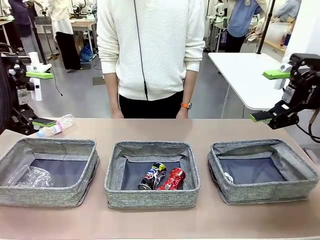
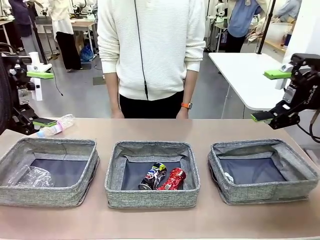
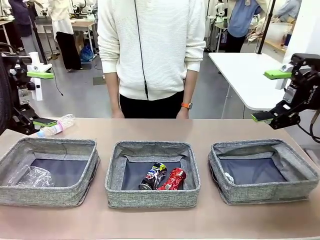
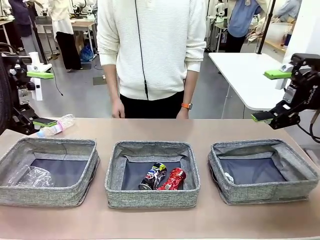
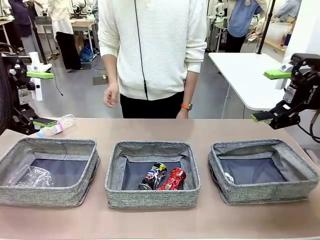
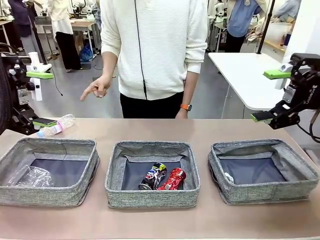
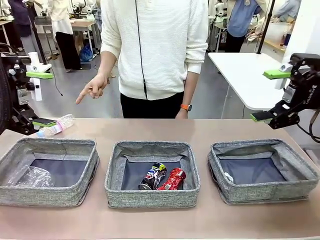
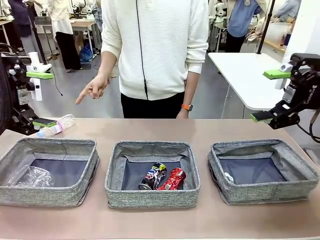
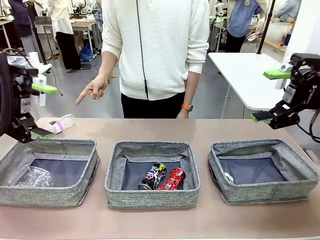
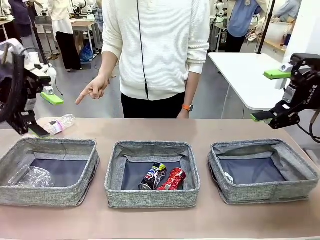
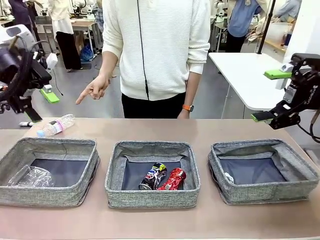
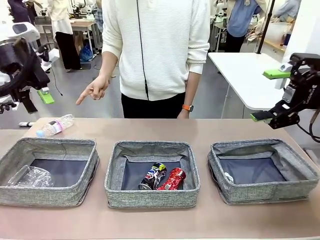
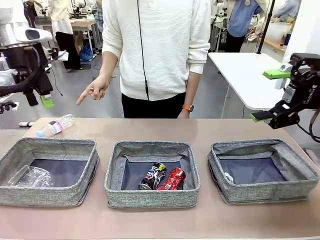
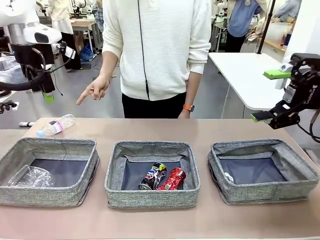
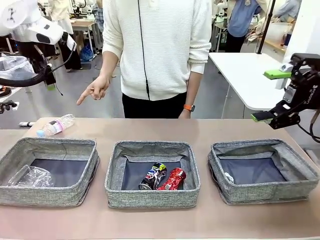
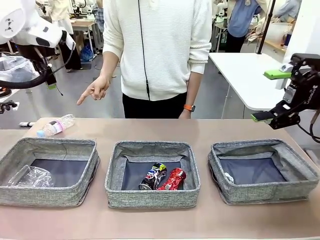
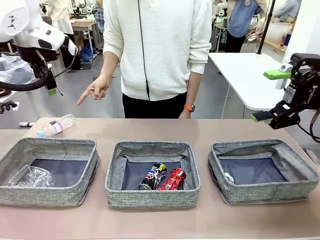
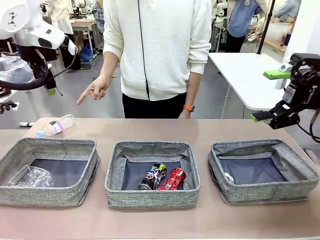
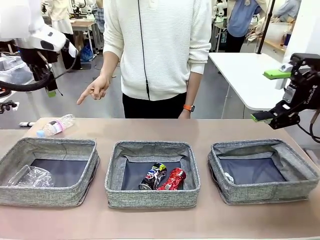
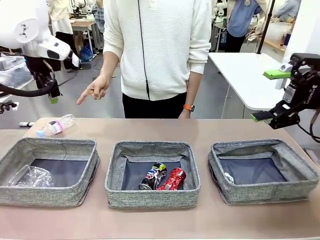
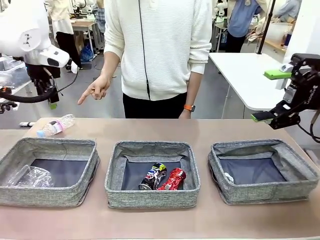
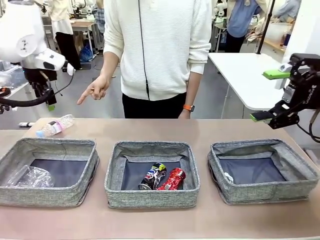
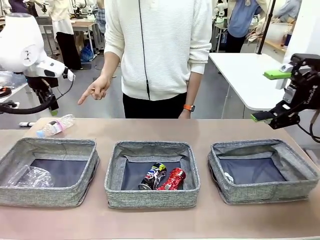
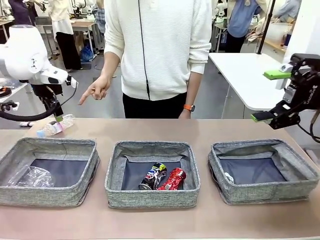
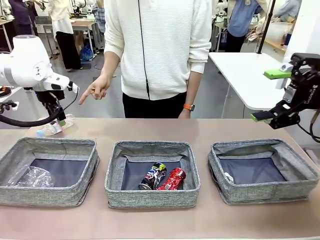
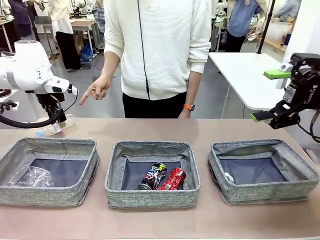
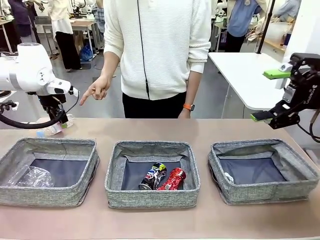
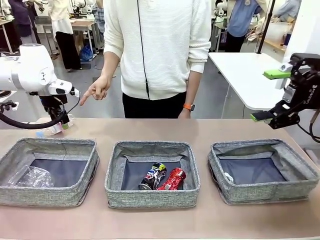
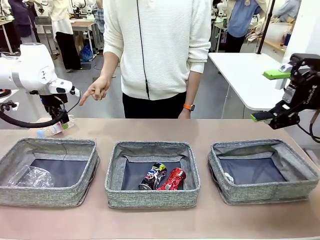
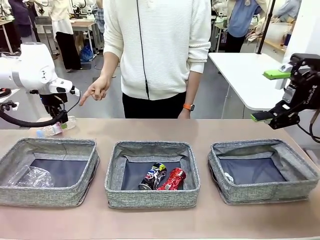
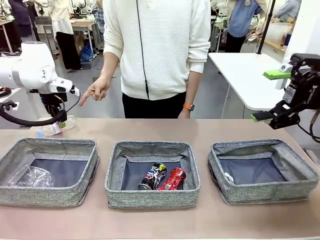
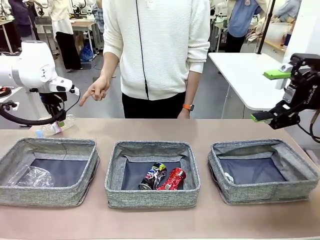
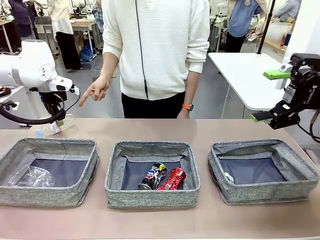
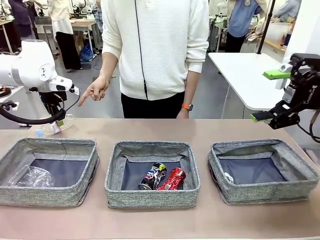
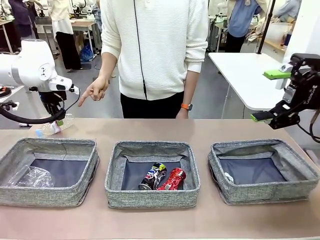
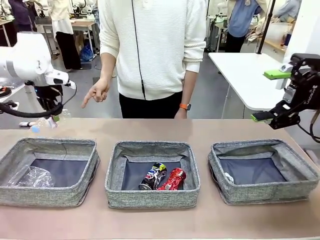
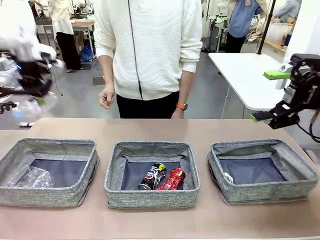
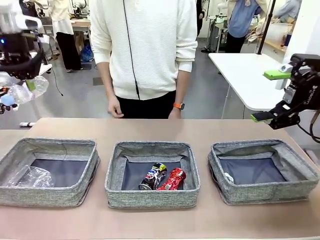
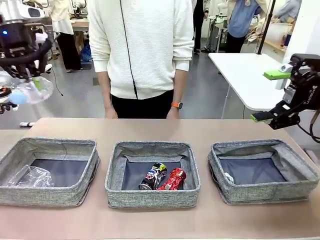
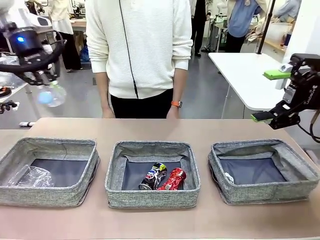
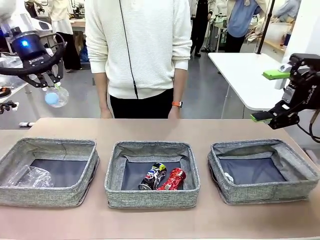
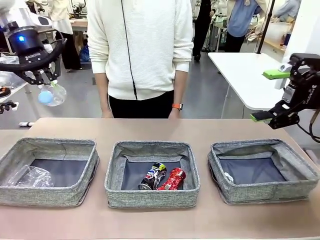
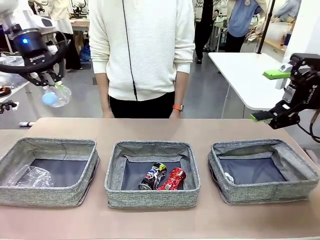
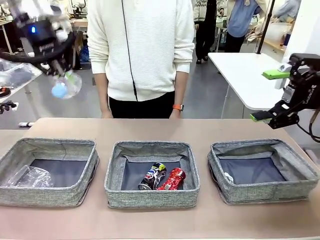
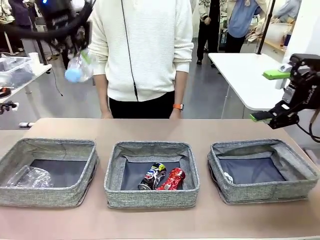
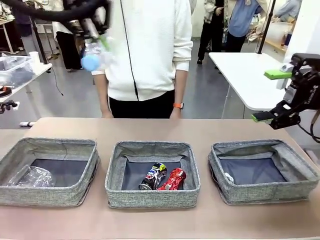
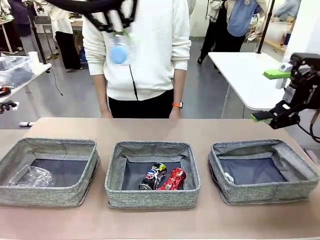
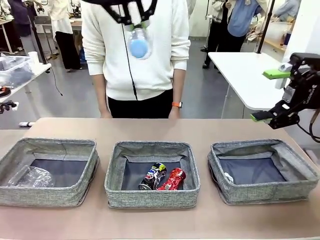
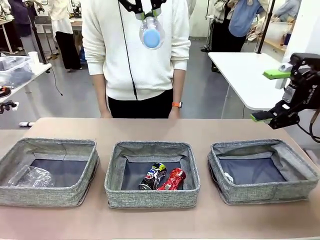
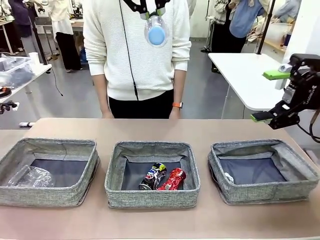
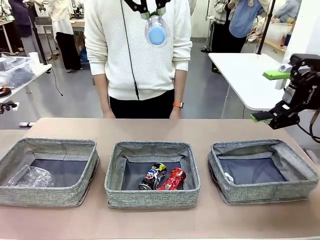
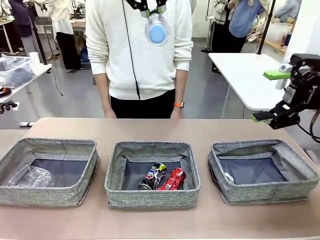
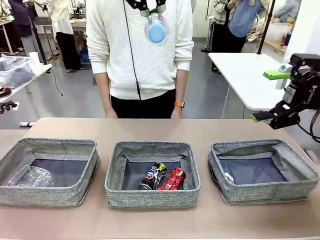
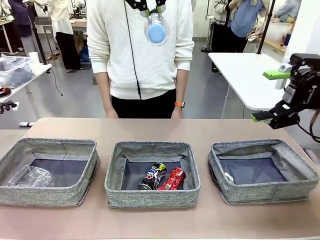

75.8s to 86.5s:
Task: Sort the waste into the appropriate baskets.
Robot: Pick up the waste item pointed out by the person.
Person: Points to one piece of trash on the table.

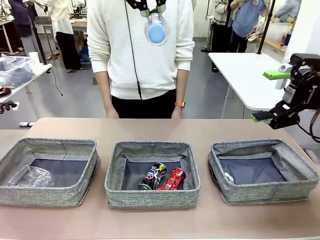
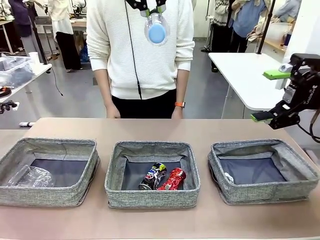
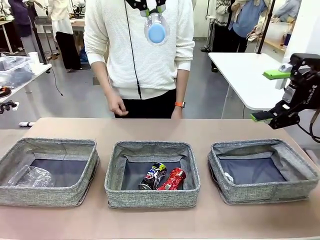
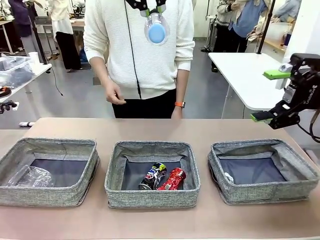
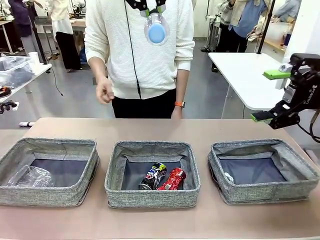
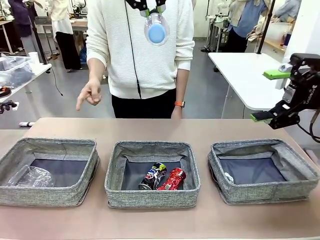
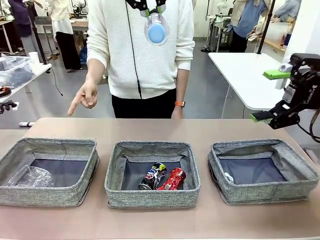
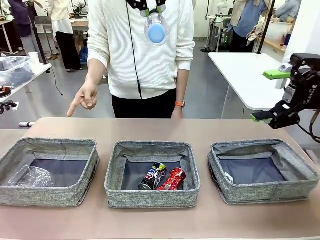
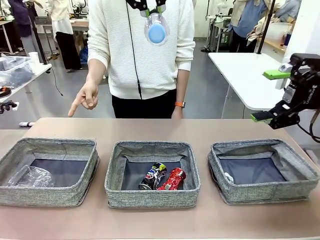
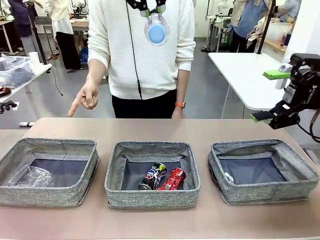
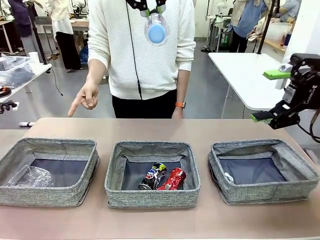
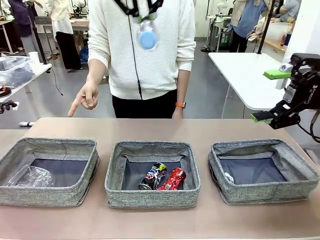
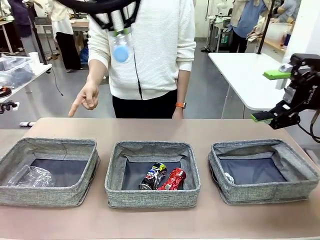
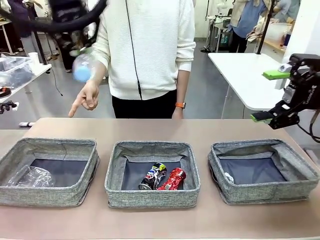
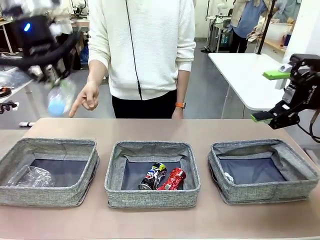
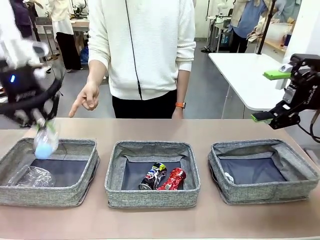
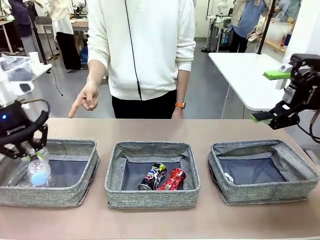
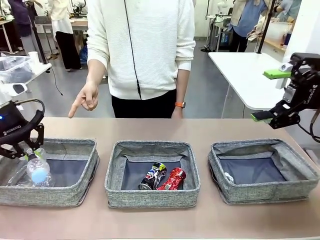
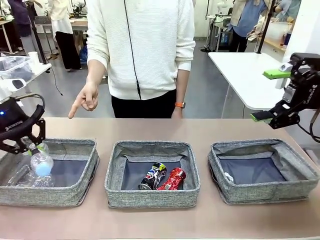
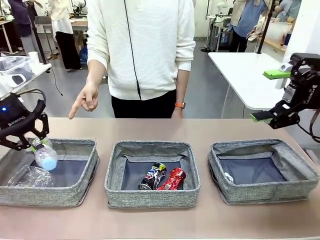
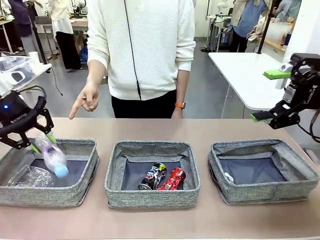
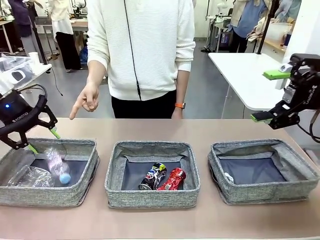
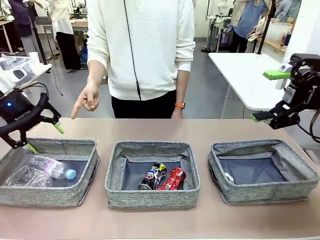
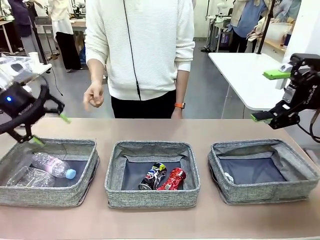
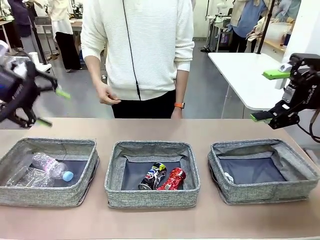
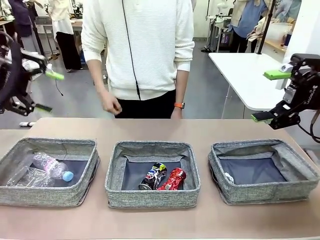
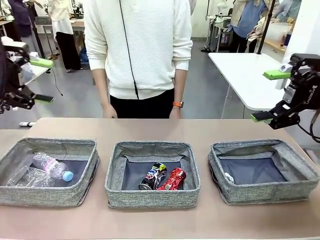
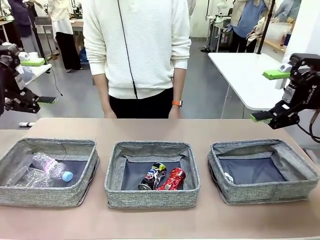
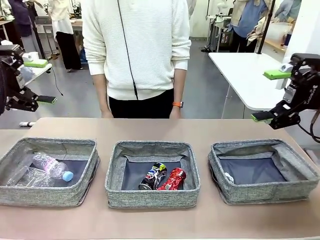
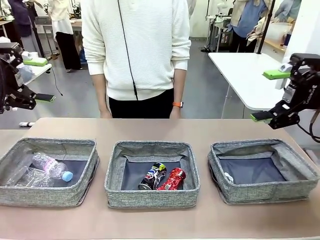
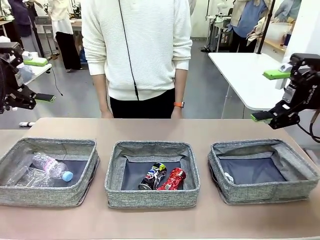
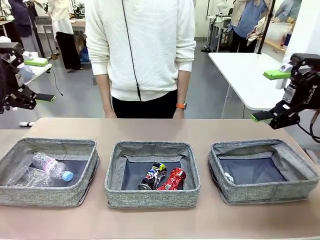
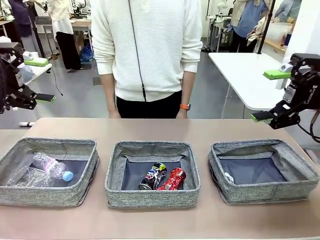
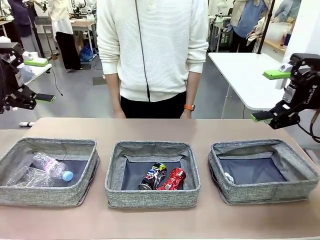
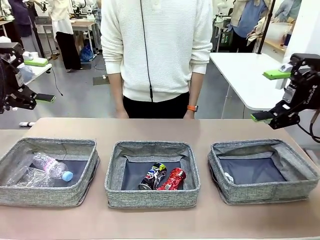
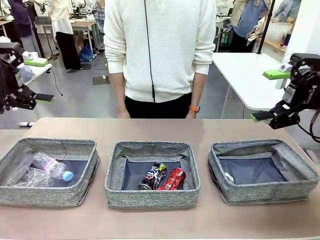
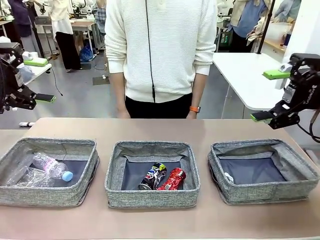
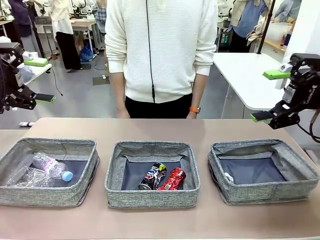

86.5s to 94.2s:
Robot: Place the picked waste into the Fabric basket indicated by the person.
Person: Instructs the robot to place the picked-up trash into the appropriate organizing basket.
